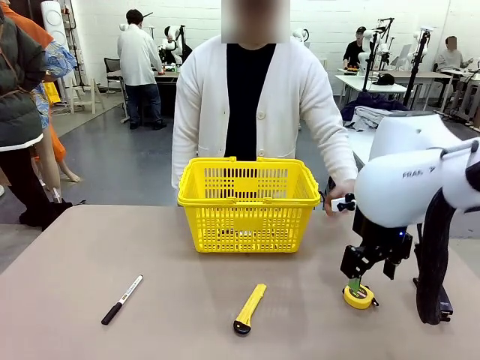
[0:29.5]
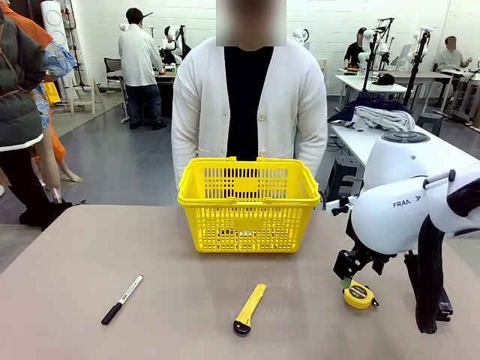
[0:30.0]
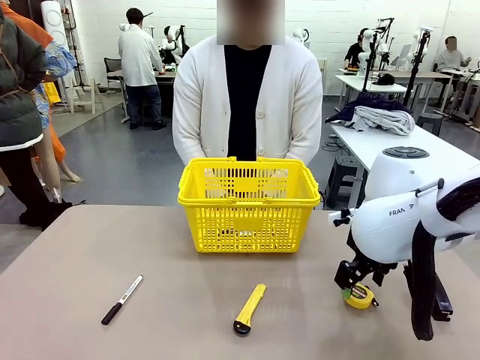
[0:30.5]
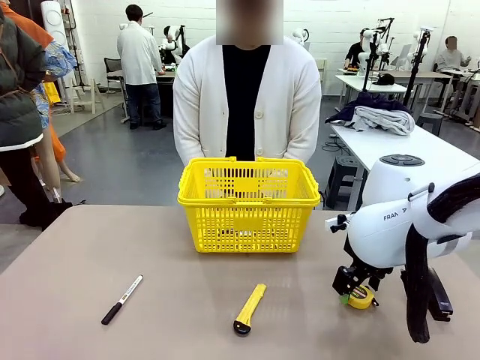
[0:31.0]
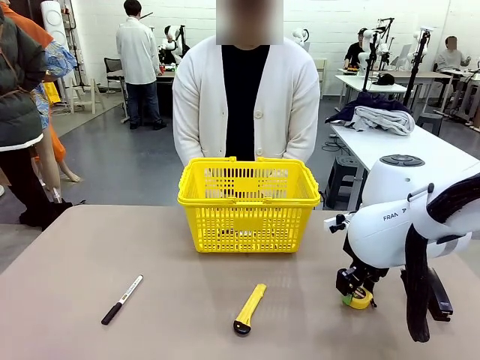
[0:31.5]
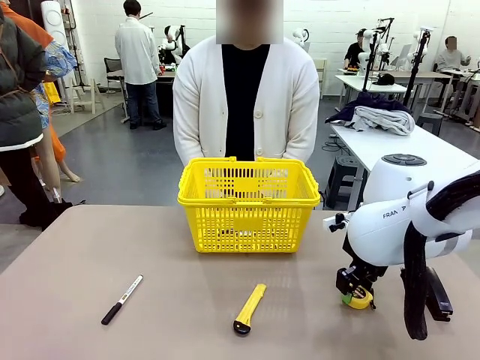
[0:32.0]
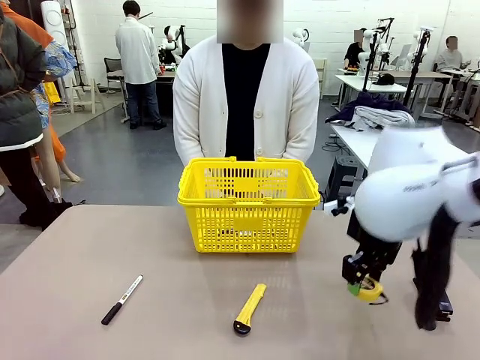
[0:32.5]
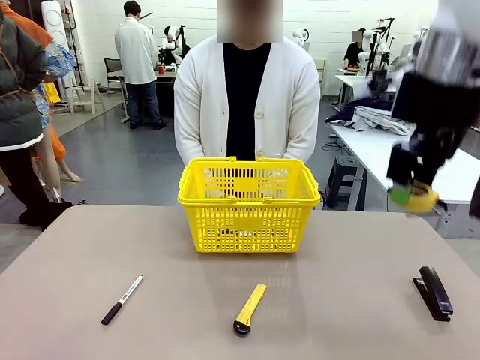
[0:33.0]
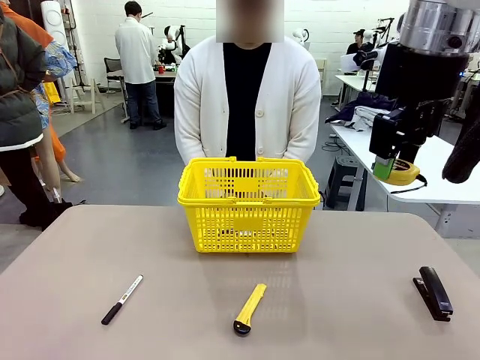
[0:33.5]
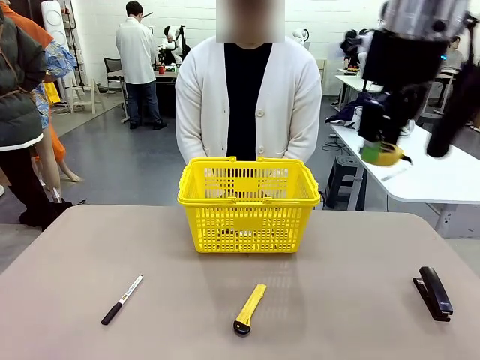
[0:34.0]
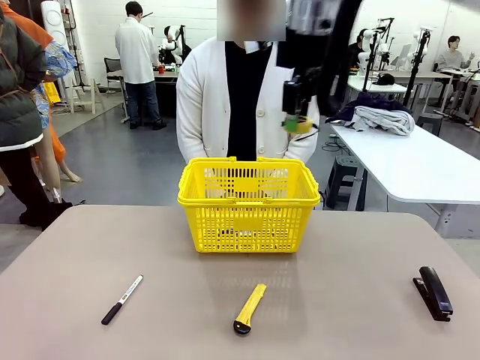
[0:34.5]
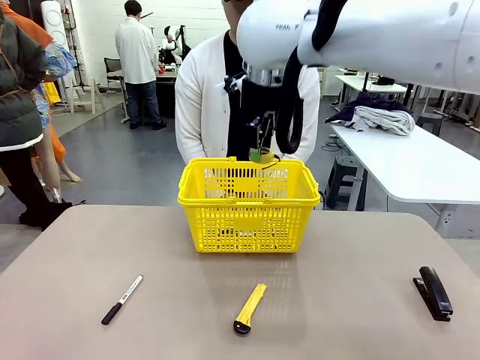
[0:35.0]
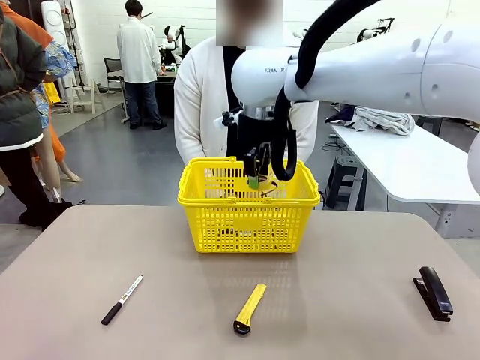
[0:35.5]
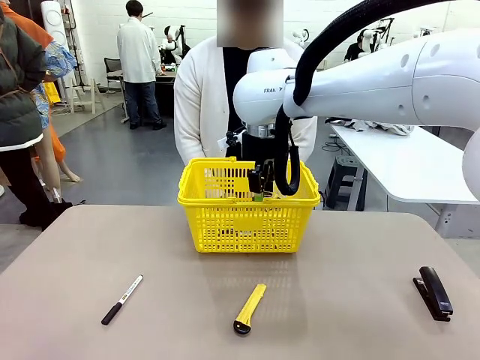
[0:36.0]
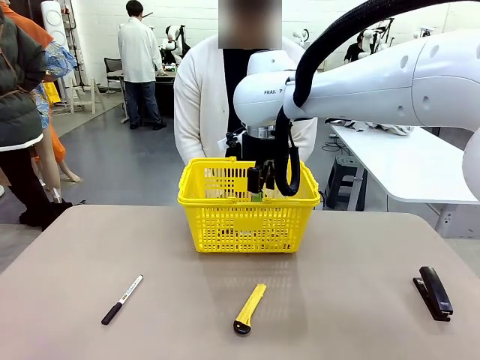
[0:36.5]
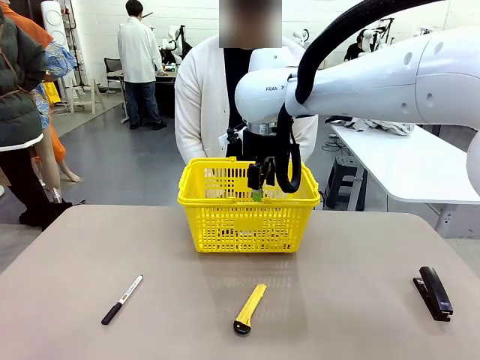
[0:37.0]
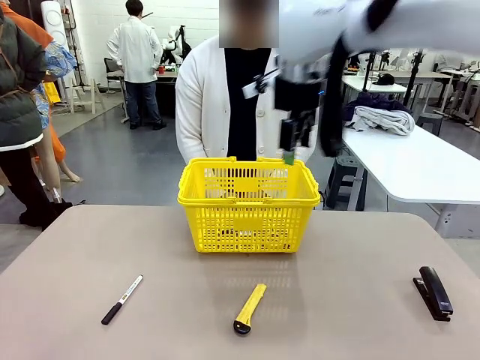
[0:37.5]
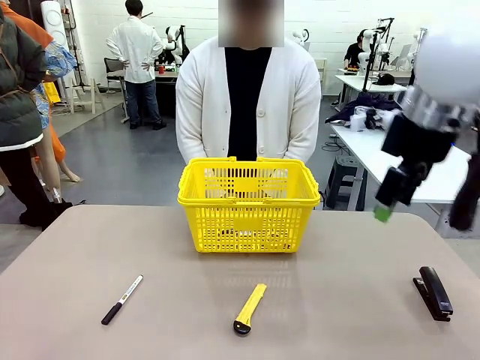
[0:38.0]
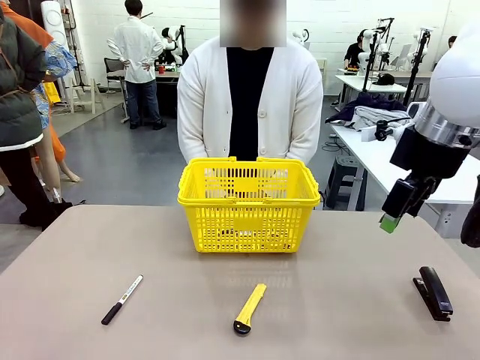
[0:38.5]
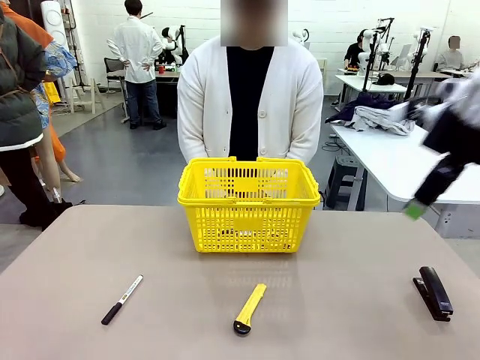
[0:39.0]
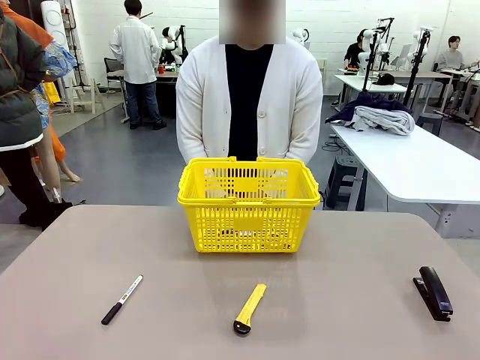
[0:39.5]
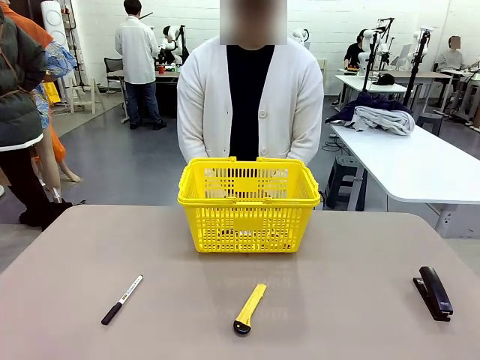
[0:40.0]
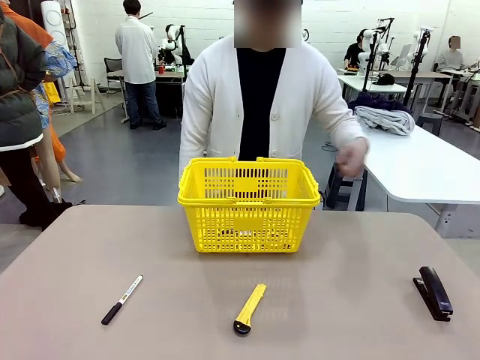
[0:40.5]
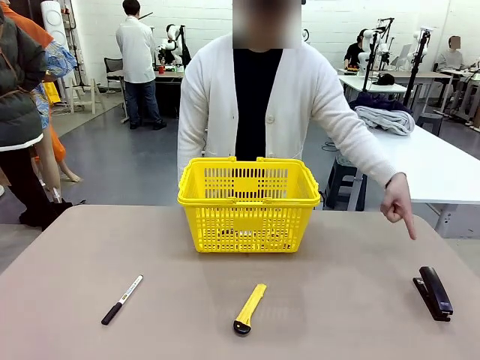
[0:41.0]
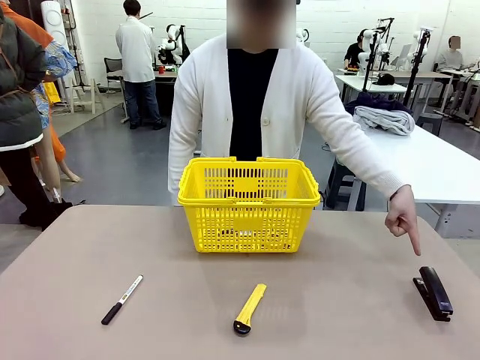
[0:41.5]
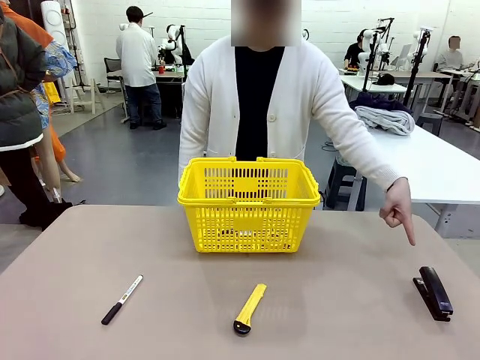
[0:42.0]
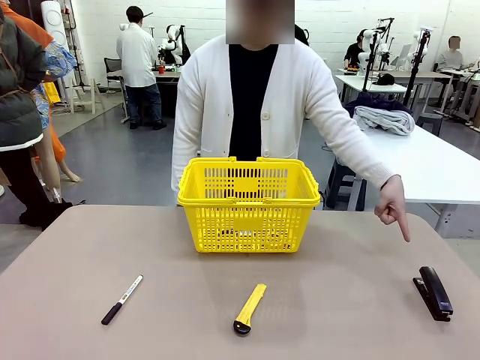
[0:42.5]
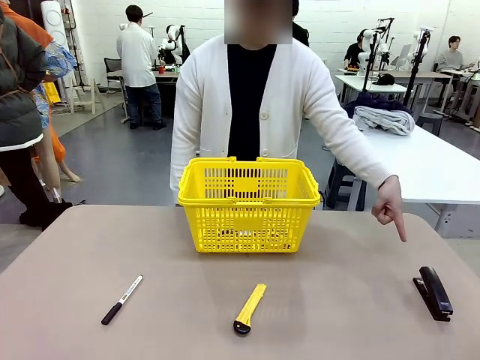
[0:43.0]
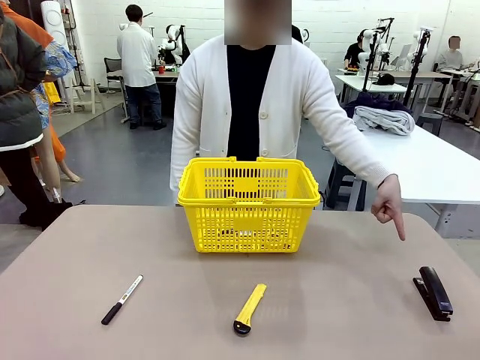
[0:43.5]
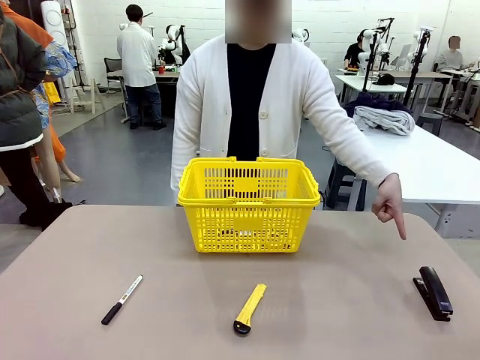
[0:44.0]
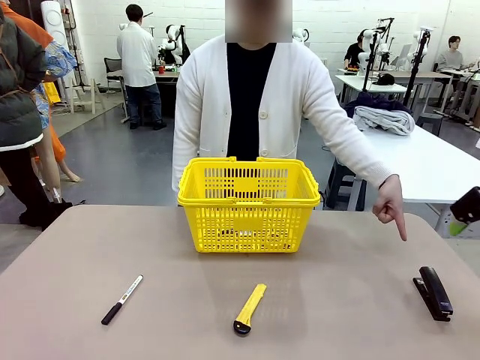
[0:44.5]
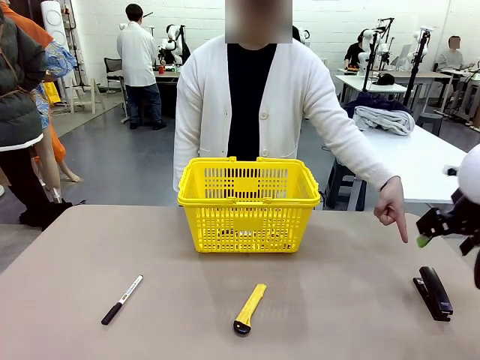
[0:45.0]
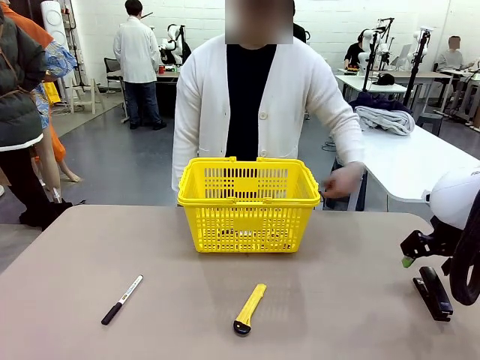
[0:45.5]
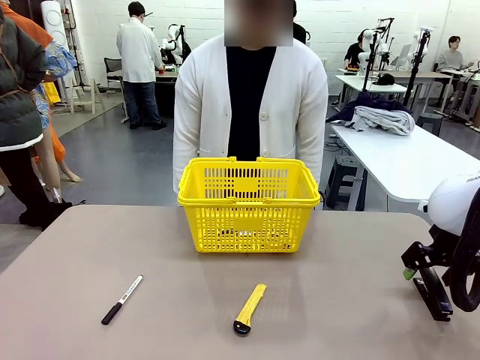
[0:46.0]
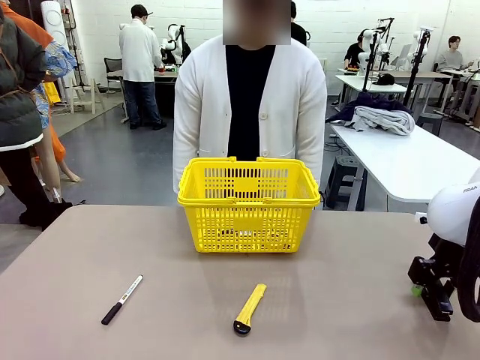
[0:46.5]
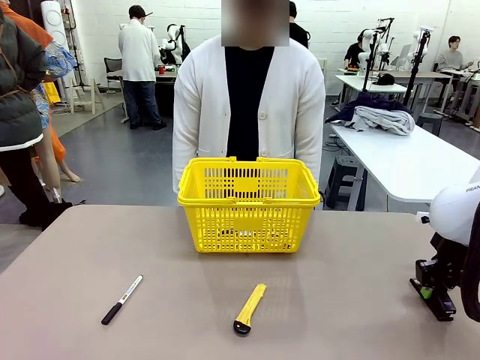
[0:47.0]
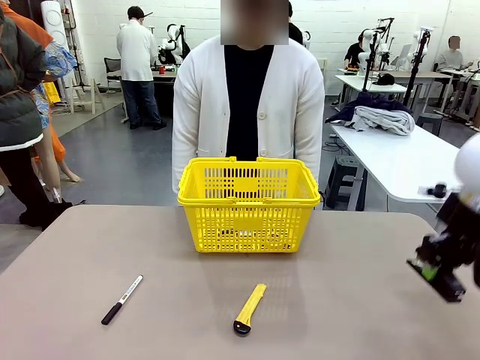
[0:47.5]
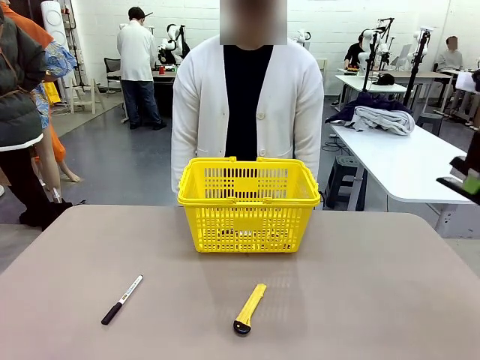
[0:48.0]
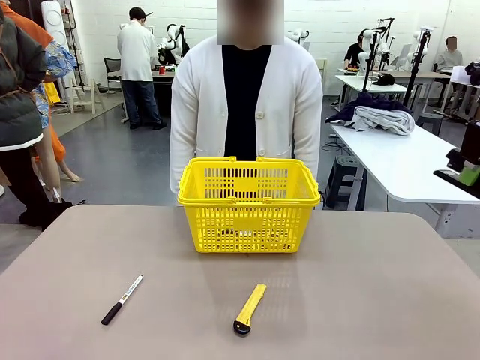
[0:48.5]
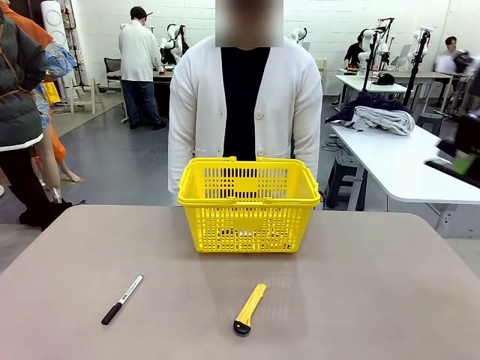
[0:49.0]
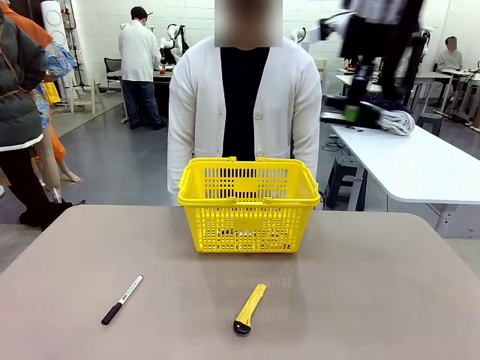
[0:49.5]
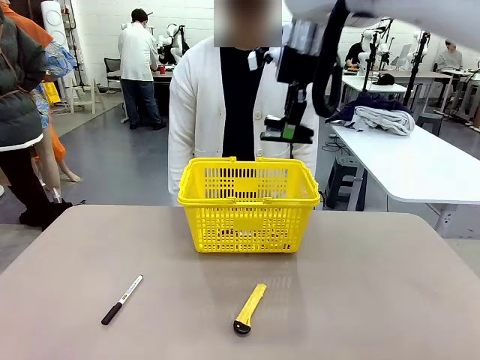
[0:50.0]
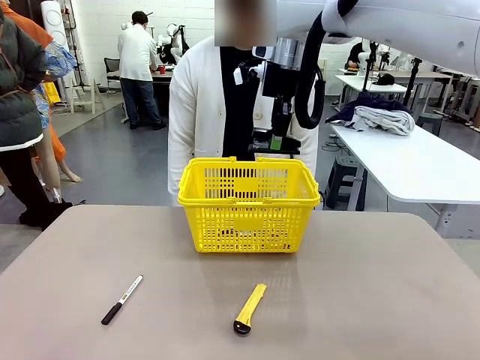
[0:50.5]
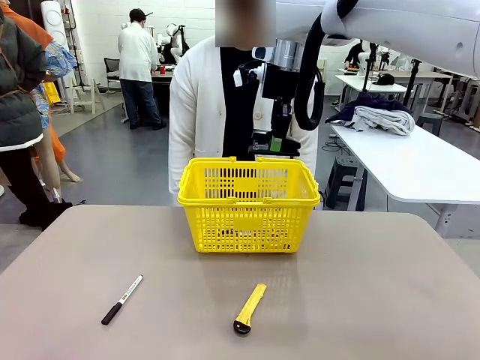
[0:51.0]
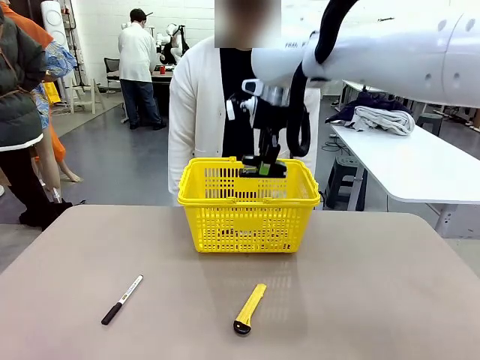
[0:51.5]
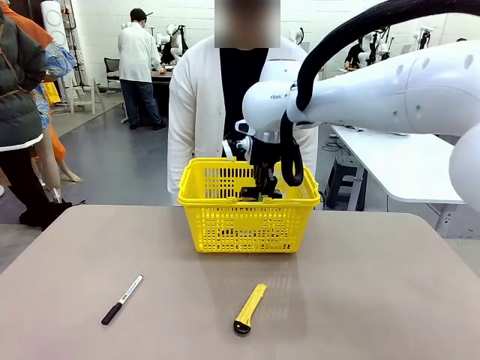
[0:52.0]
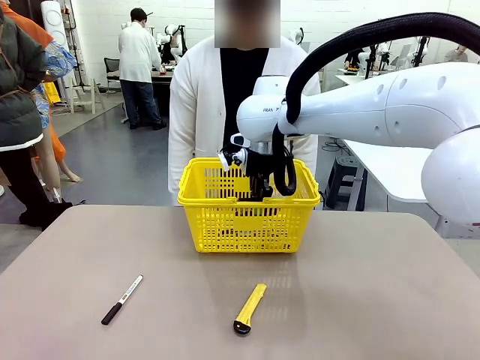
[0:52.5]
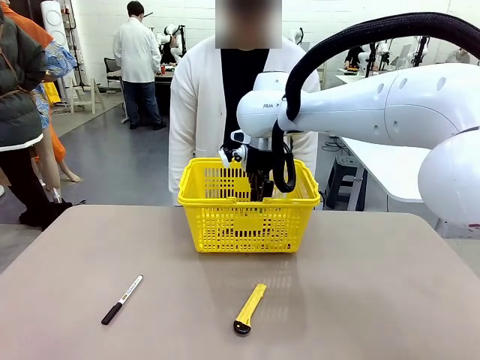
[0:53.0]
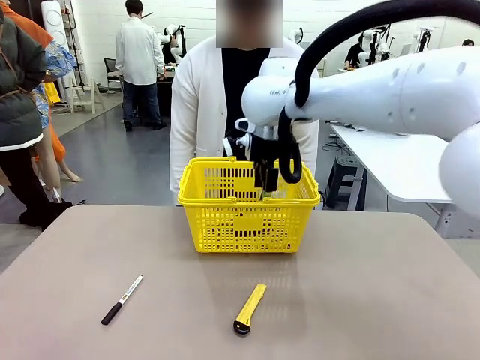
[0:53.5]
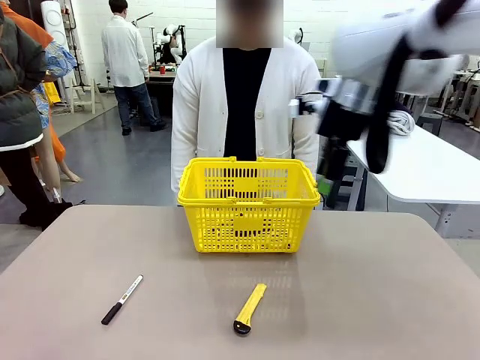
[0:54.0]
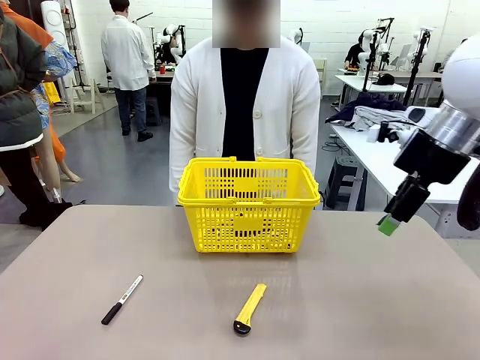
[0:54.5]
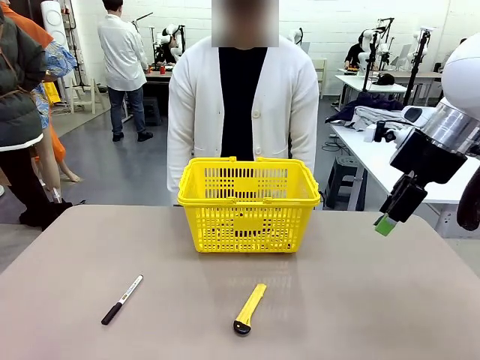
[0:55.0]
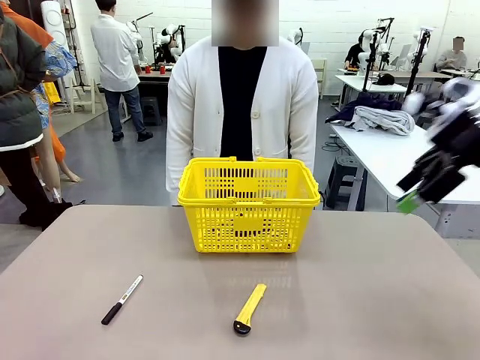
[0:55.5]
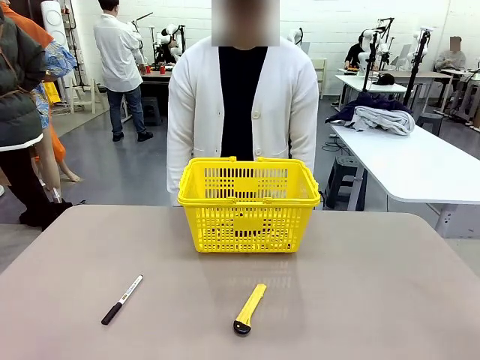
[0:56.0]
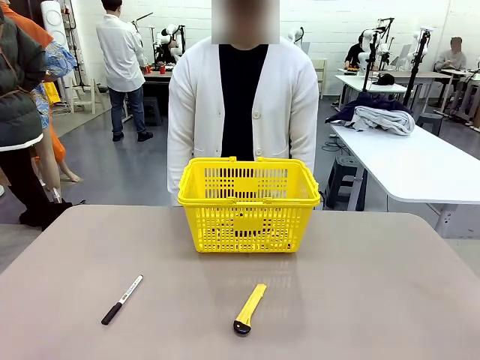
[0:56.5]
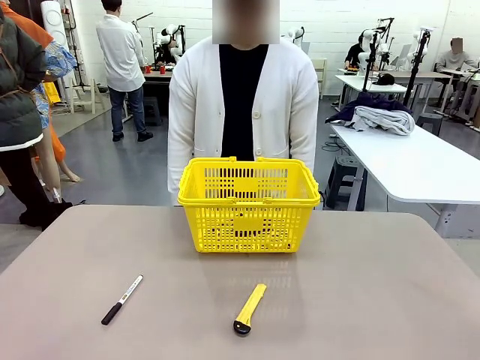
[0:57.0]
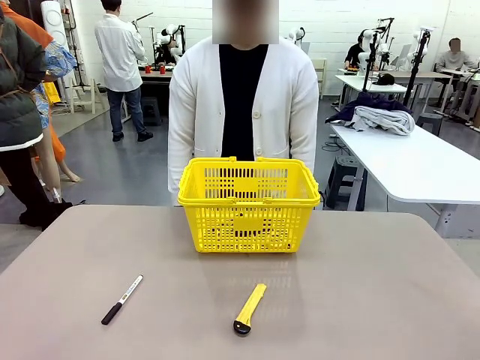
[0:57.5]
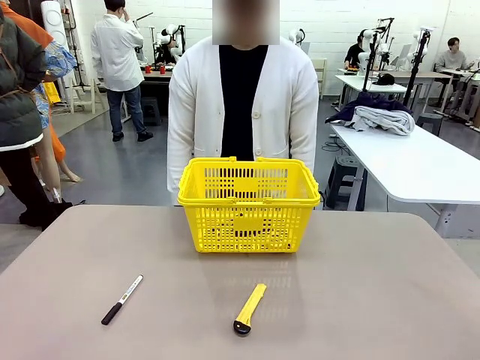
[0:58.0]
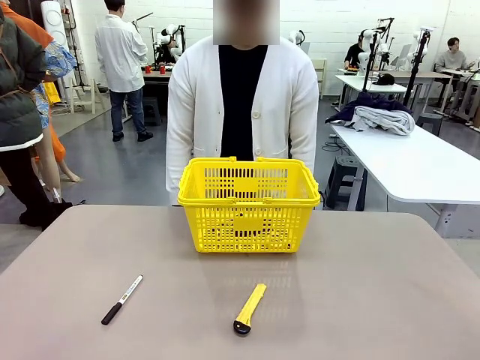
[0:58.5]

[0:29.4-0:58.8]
Task: Place the items the person wants into the basket.
Robot: Pick up the item the person points to and place it in the Market Basket.
